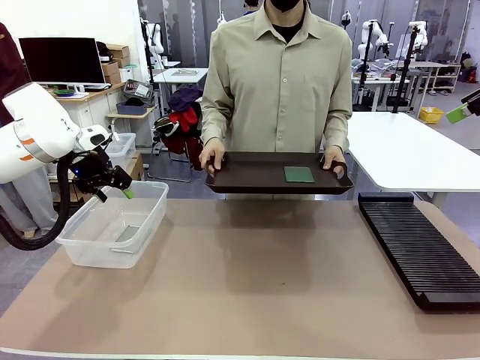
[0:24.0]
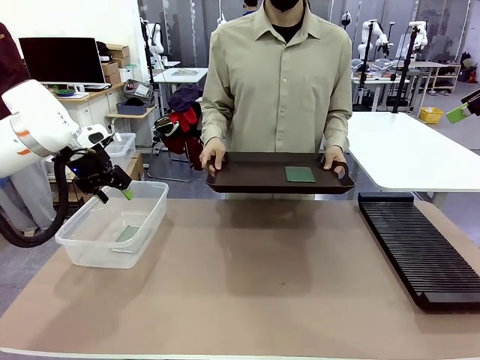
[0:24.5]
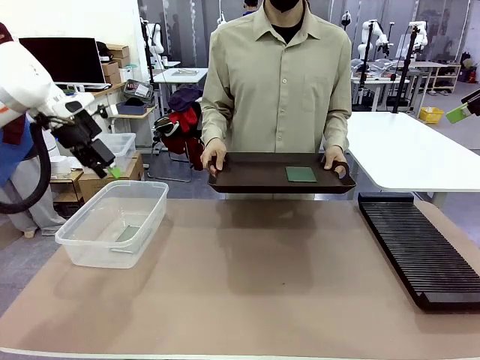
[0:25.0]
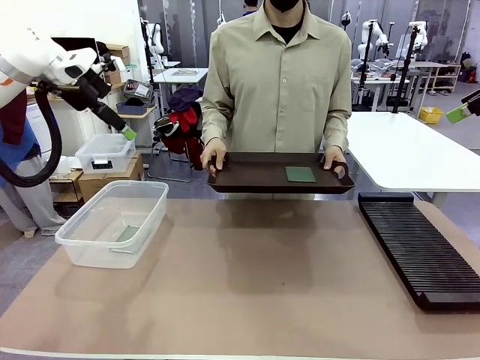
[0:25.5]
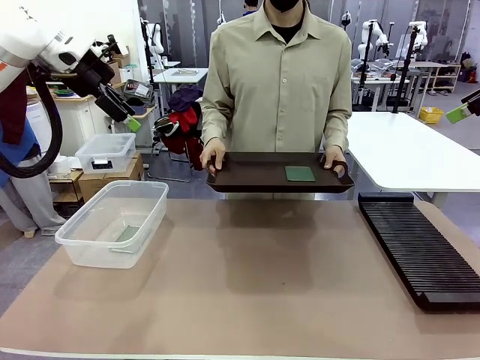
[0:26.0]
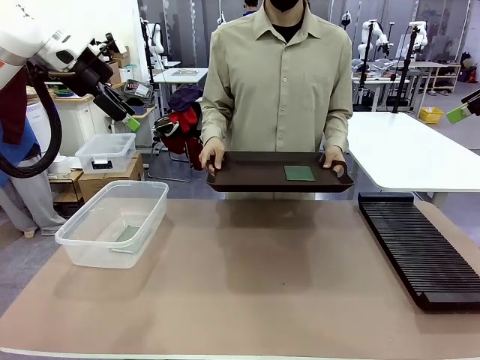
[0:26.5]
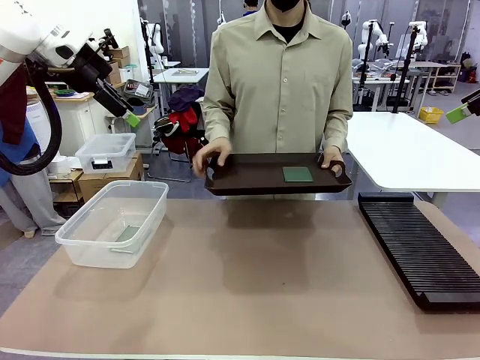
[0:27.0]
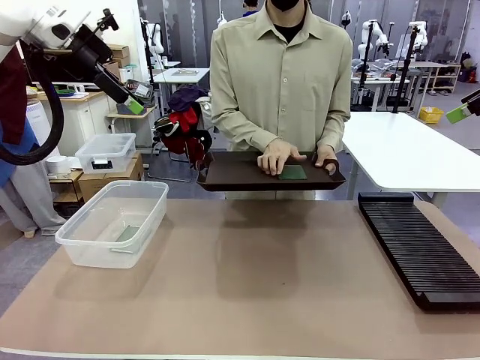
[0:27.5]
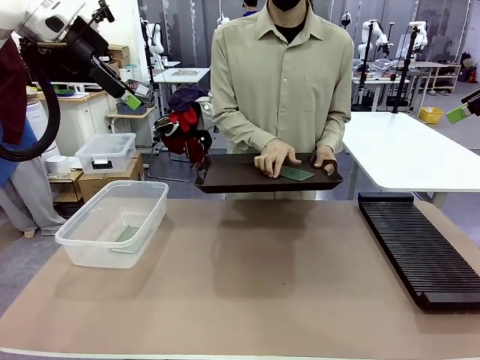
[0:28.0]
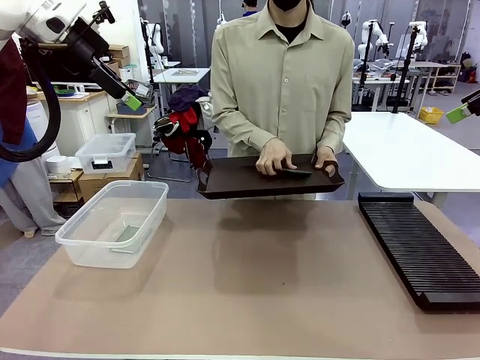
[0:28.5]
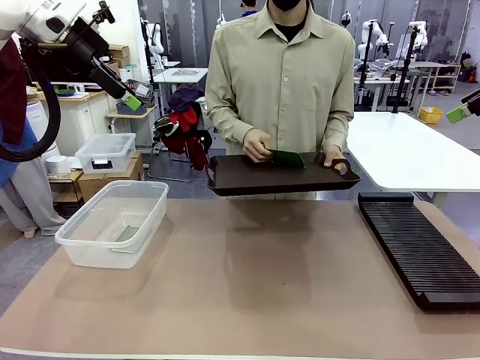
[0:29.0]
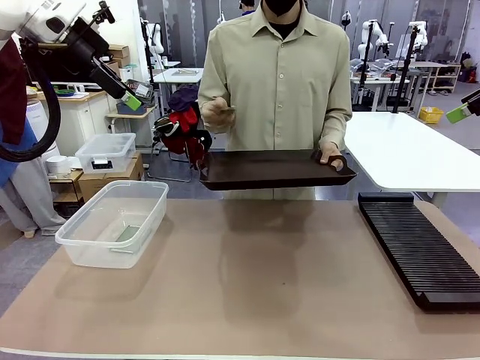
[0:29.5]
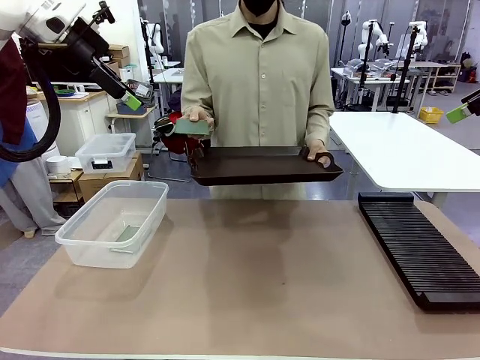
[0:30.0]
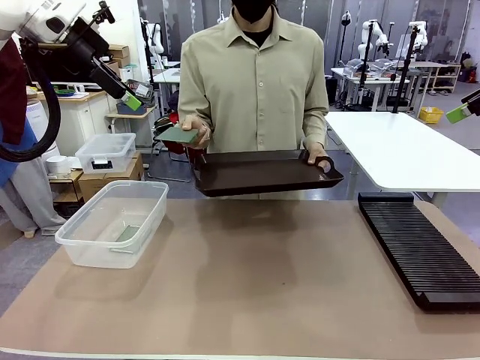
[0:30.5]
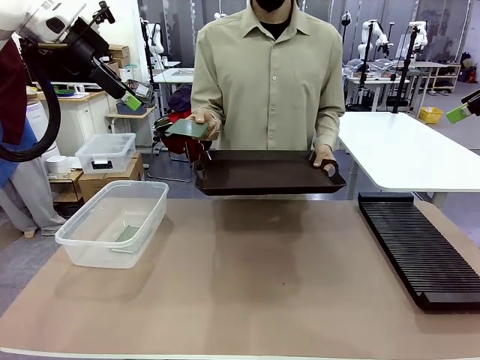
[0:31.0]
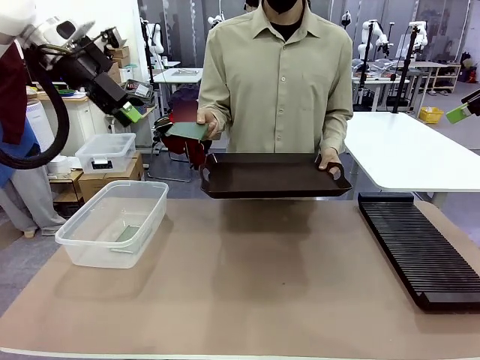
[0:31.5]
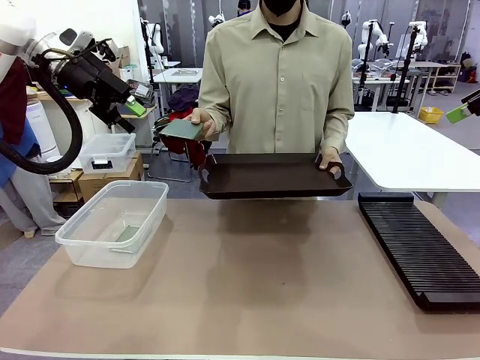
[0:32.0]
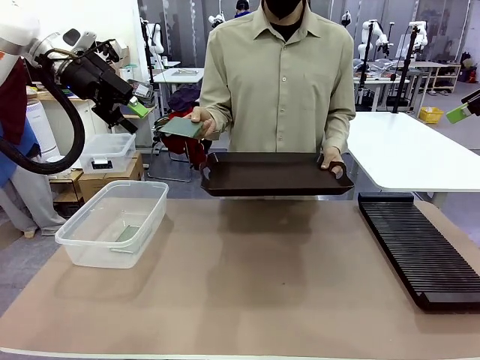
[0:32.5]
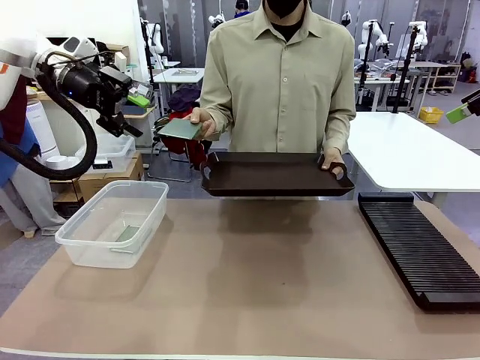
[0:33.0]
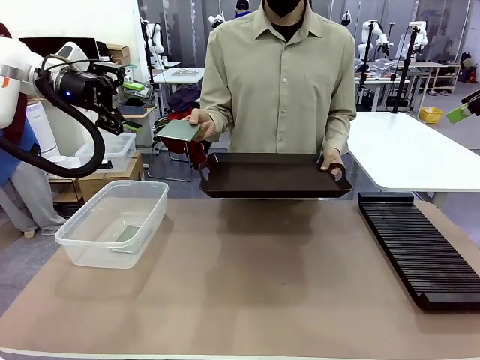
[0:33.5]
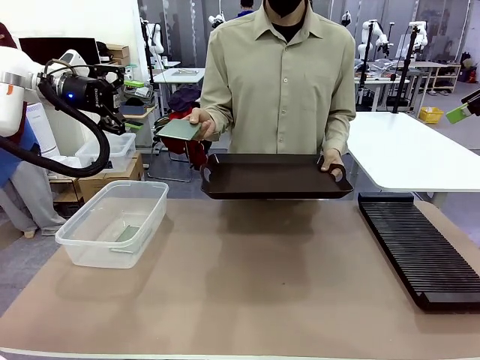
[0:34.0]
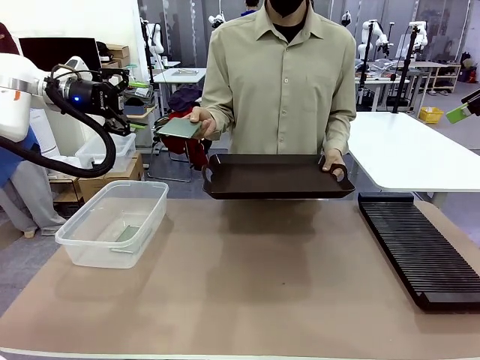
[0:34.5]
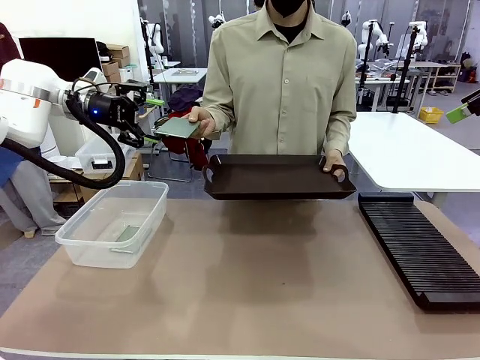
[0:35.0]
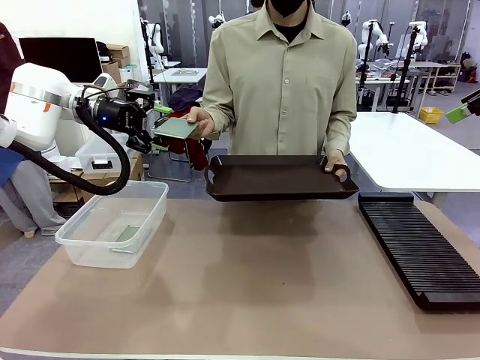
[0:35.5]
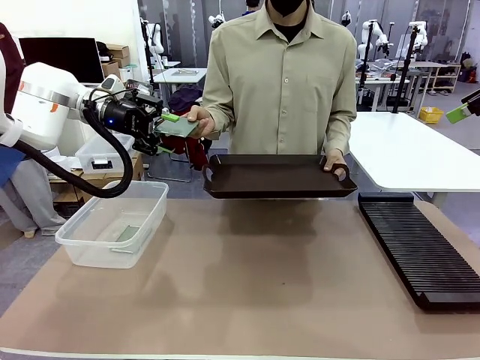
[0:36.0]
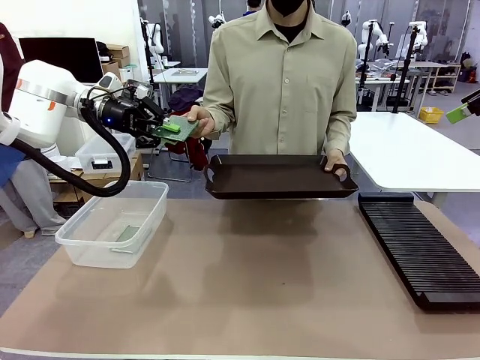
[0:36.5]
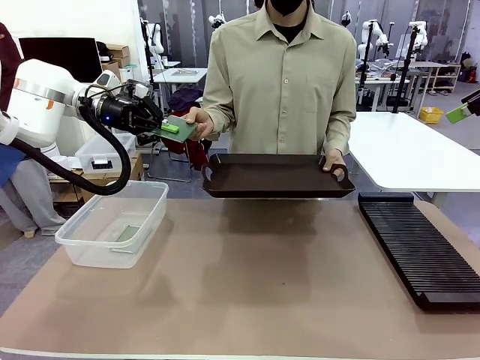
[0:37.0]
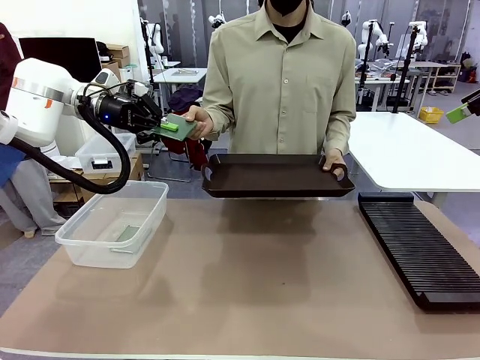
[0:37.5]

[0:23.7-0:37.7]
Task: Sort PCBs into racks and boxes based on the side picked up.
Robot: Pick up the Blank PCB handed by the Human.
Person: Pick one PCB from the tray and present it to the robot.

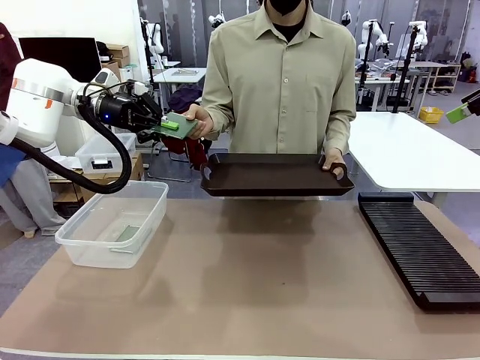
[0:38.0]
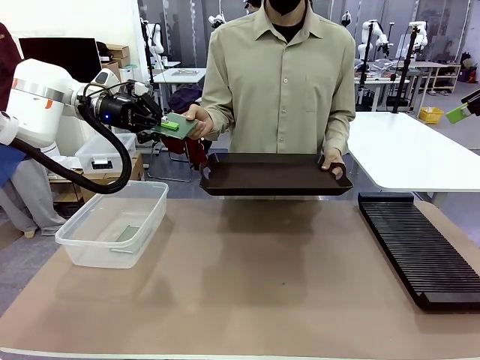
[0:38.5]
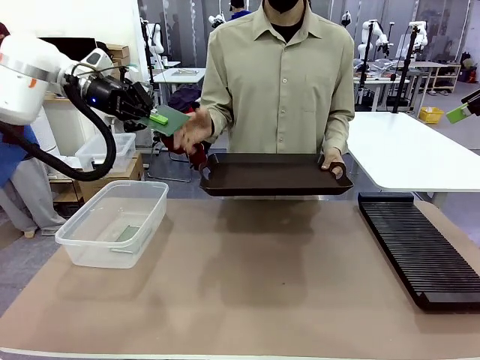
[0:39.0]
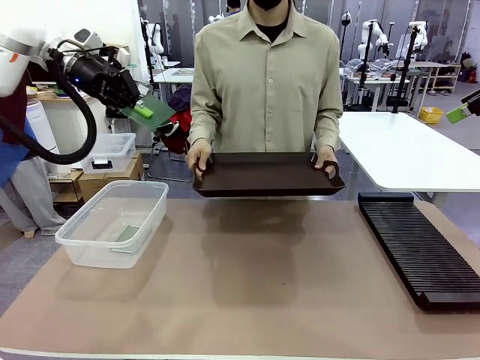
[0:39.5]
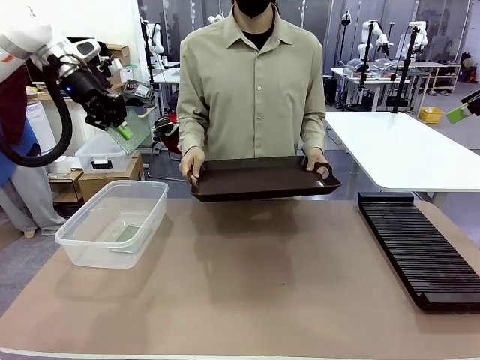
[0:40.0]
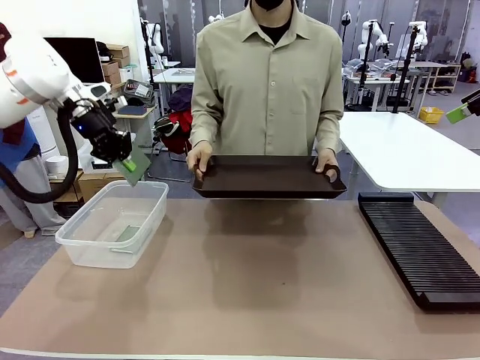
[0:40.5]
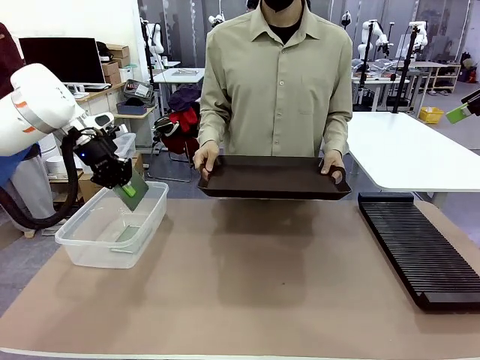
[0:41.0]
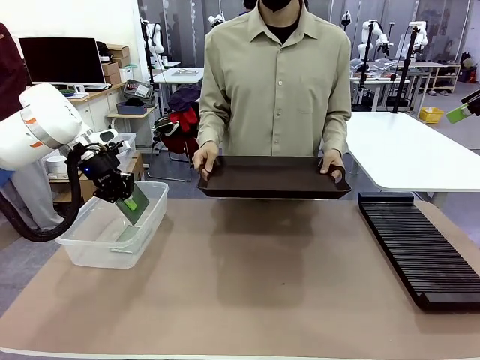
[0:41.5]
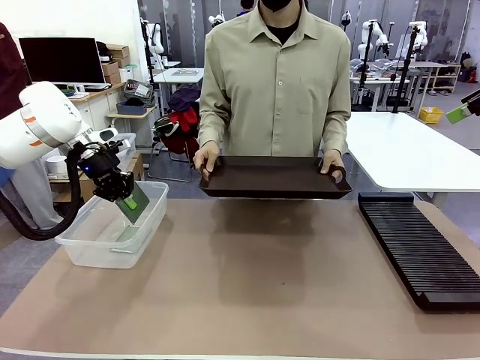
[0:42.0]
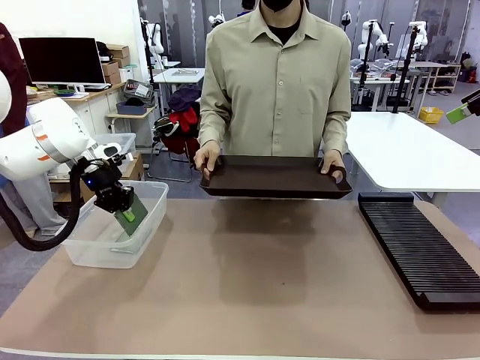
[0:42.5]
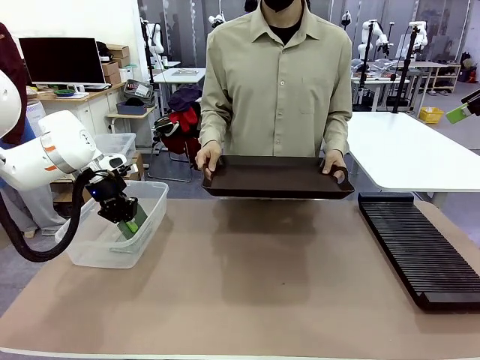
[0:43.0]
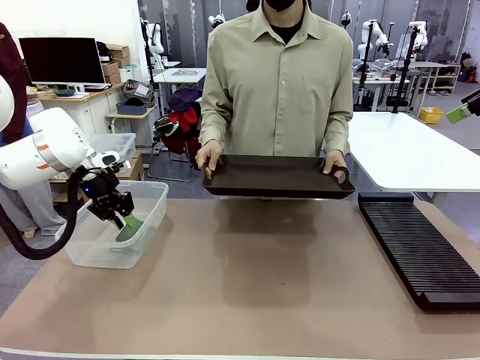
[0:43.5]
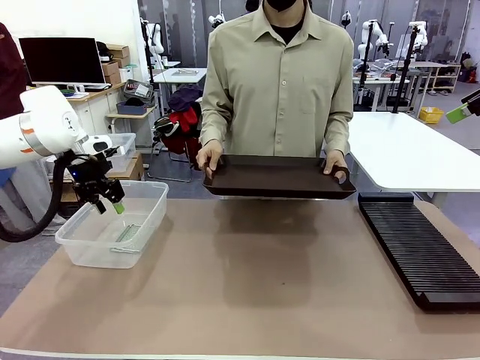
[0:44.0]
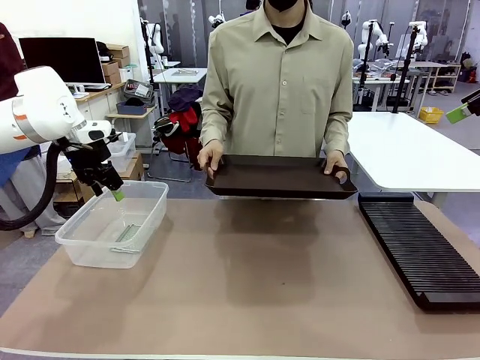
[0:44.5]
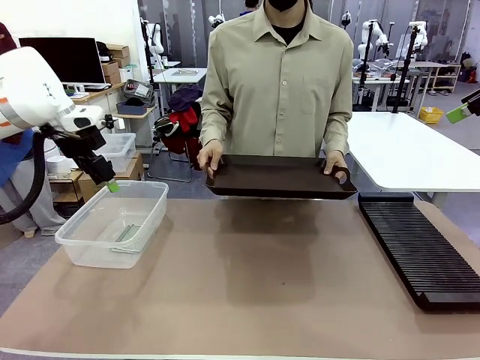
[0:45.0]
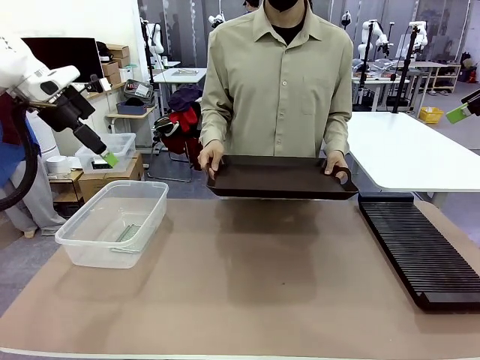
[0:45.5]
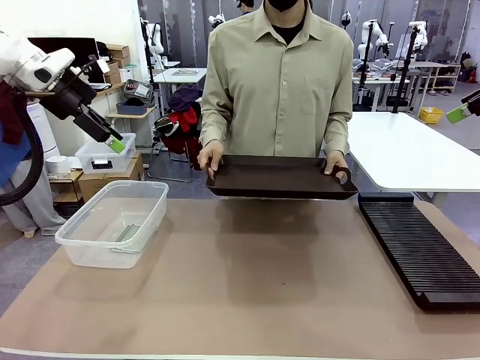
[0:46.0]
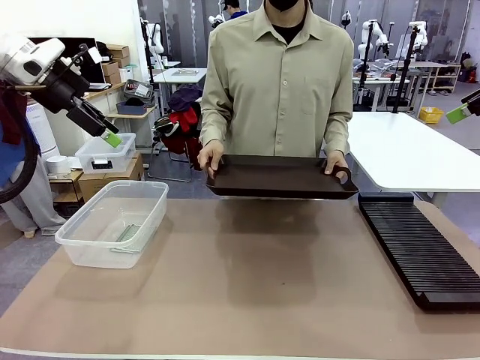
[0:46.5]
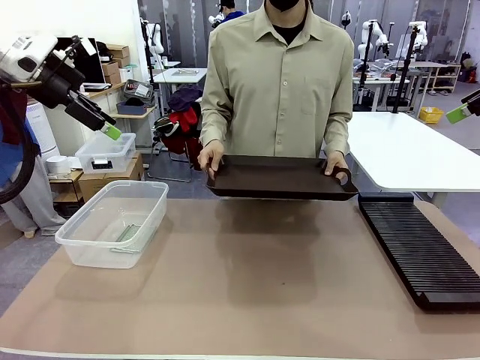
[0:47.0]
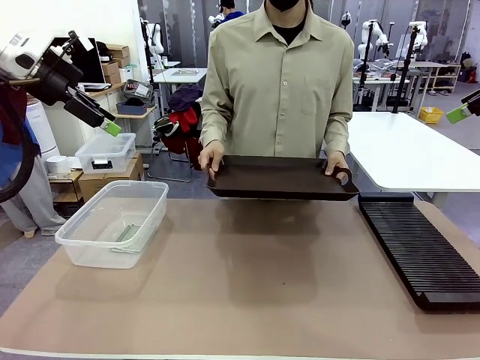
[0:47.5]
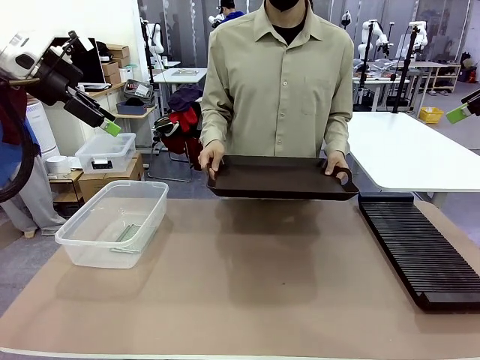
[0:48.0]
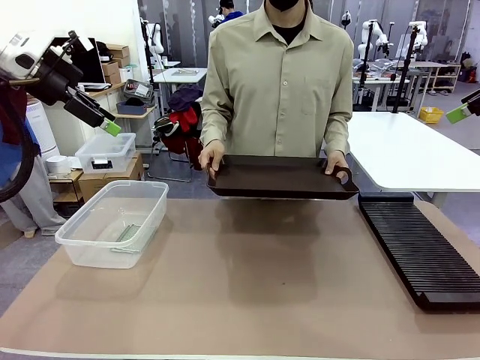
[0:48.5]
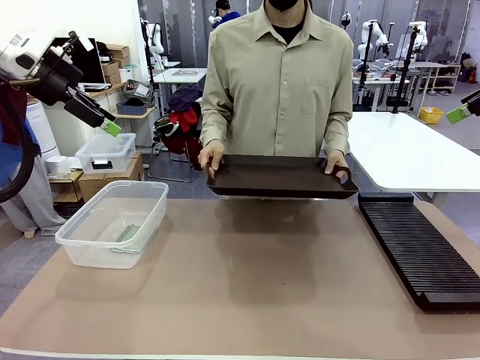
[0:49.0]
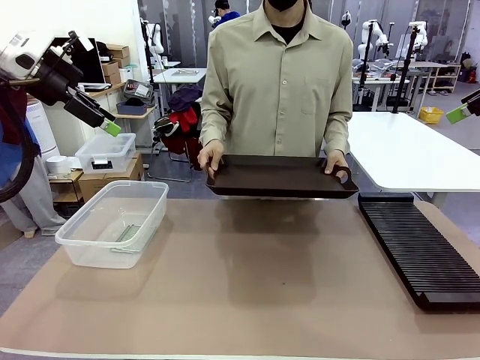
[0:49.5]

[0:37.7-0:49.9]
Robot: If the short side of the Blank PCB is picked up, insert it into the PCB Rack ; if the long side is picked up, place it in the Organizing box.
Person: Release the PCB being held.
